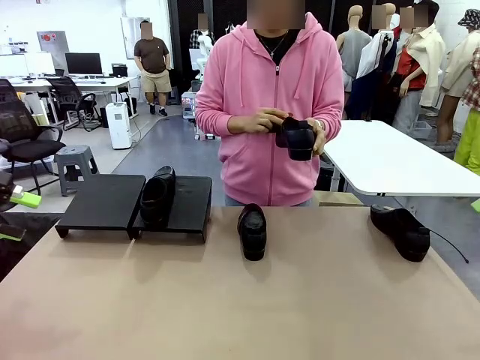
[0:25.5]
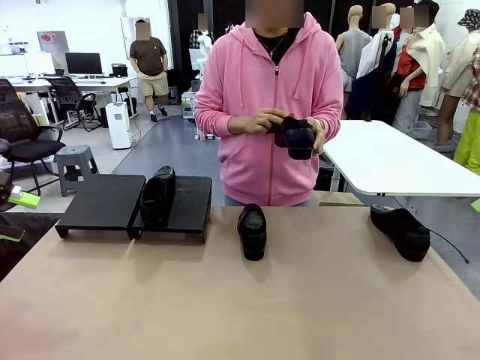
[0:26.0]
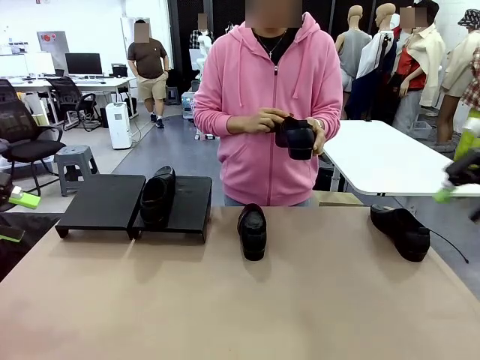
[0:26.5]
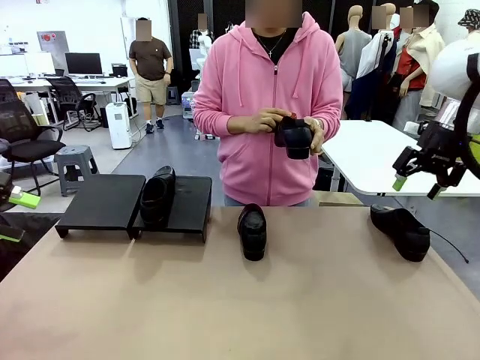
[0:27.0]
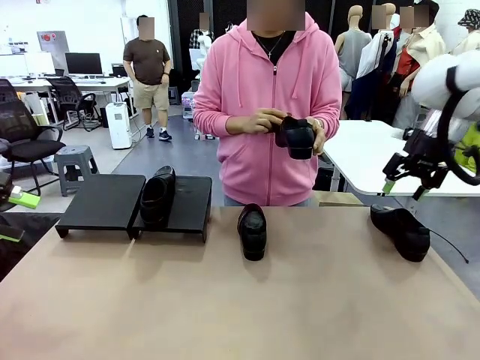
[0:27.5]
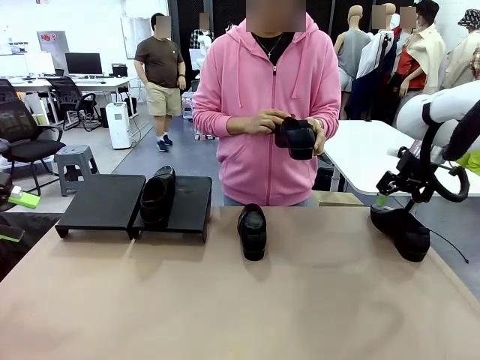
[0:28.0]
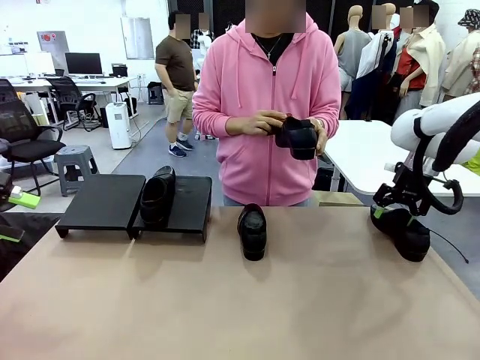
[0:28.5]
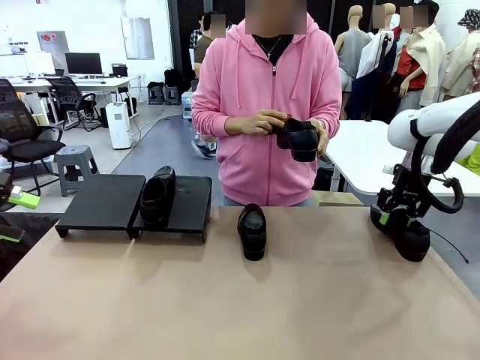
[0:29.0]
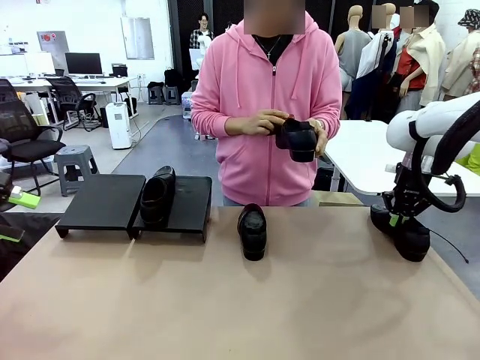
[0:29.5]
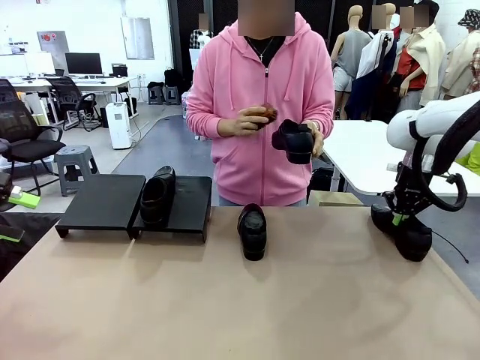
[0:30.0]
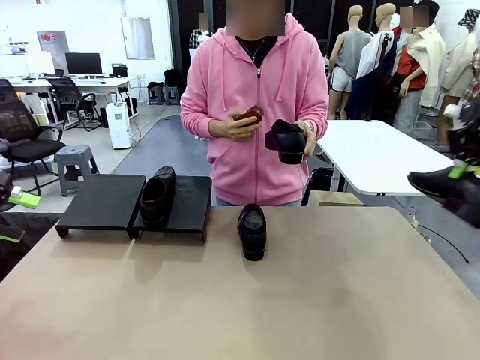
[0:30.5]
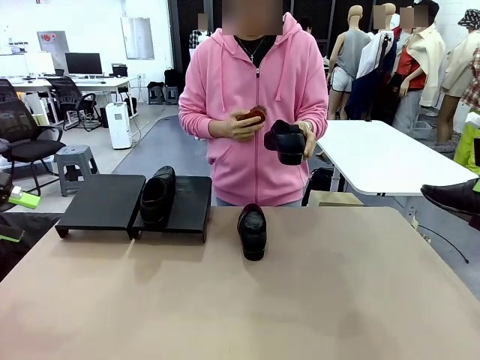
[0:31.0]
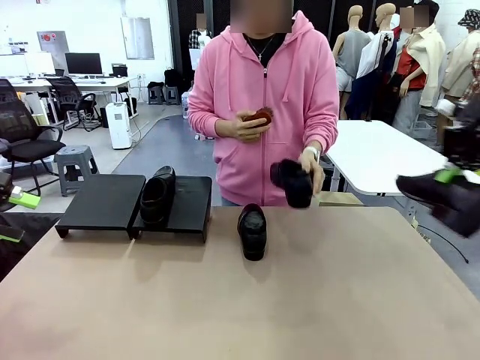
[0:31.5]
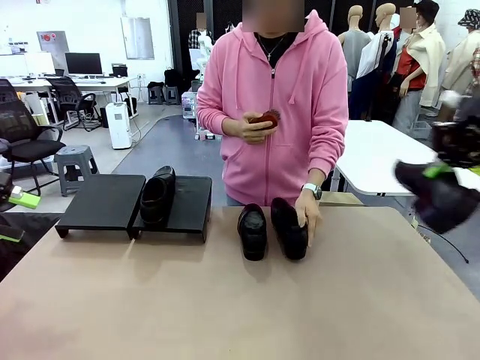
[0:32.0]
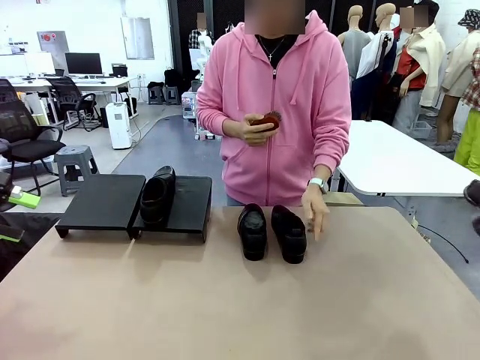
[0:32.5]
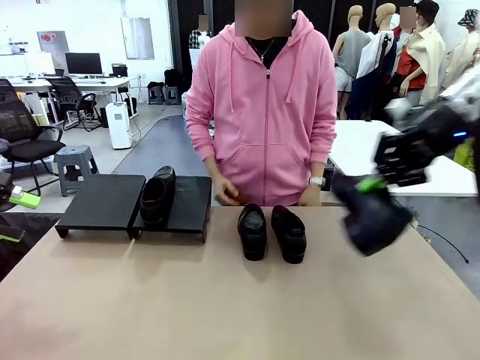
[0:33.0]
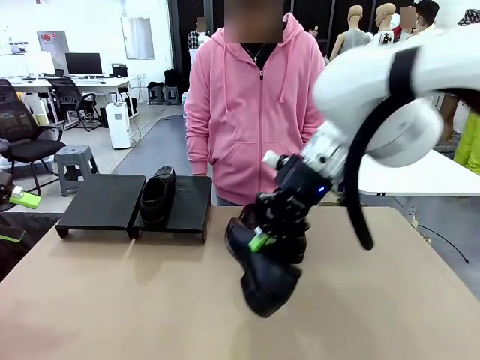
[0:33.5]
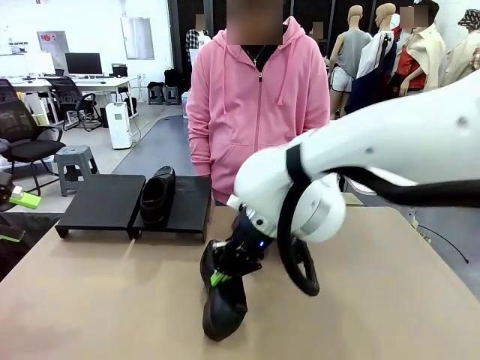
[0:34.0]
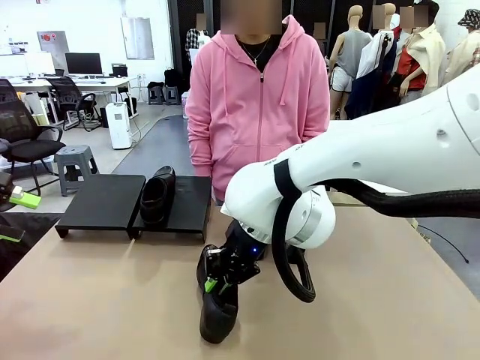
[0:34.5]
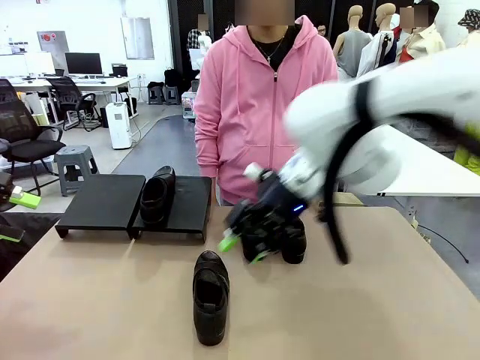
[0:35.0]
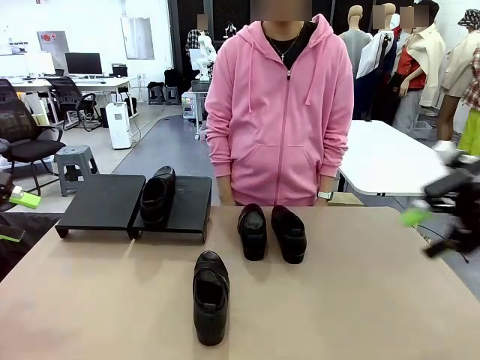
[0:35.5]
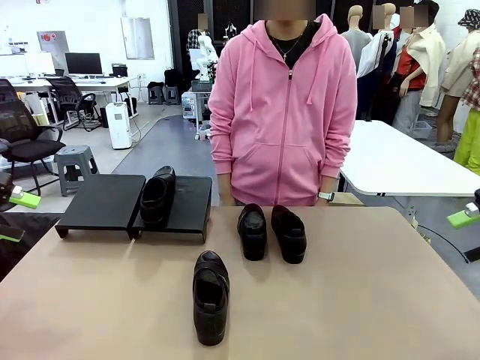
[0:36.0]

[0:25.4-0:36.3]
Task: Organize the shoes by placing them on the stand.
Robot: Pick up one Shoe and place it in the middle of the table.

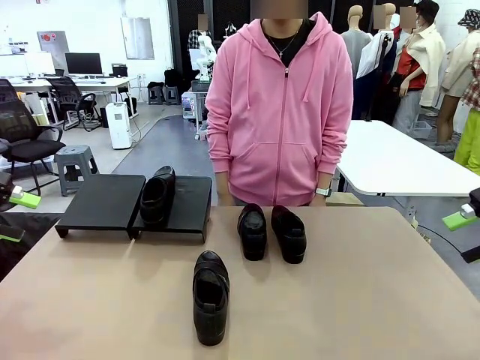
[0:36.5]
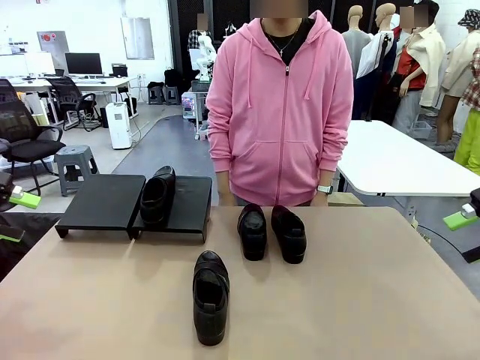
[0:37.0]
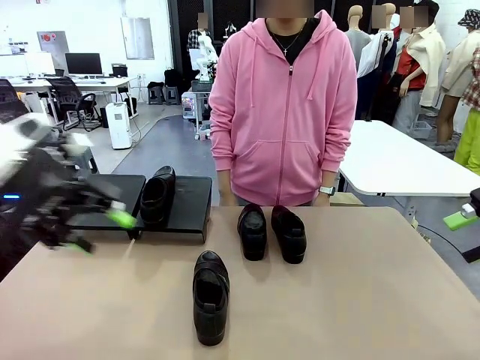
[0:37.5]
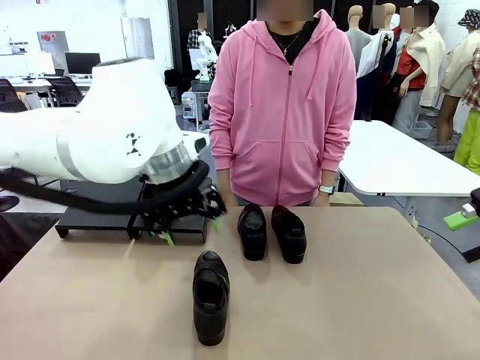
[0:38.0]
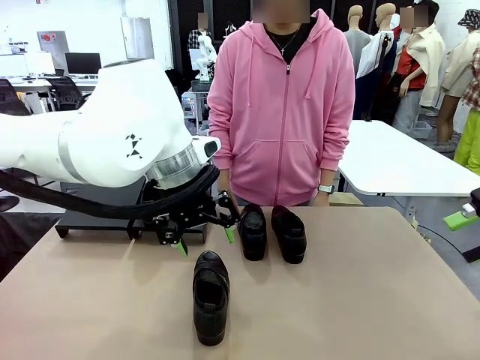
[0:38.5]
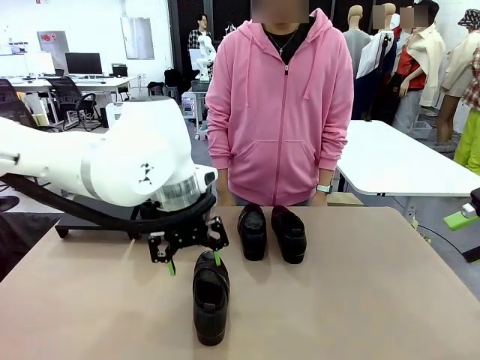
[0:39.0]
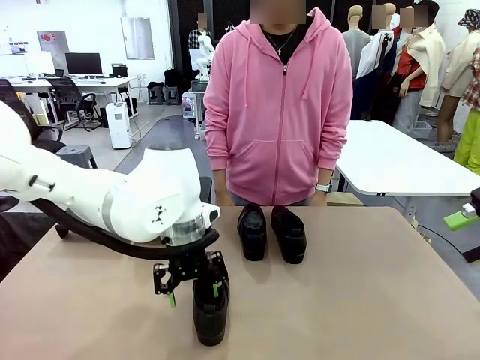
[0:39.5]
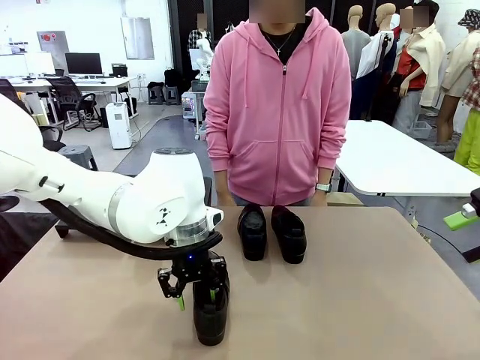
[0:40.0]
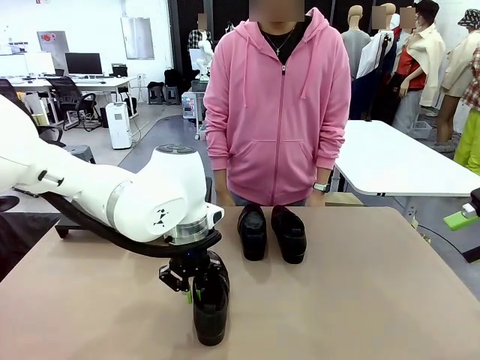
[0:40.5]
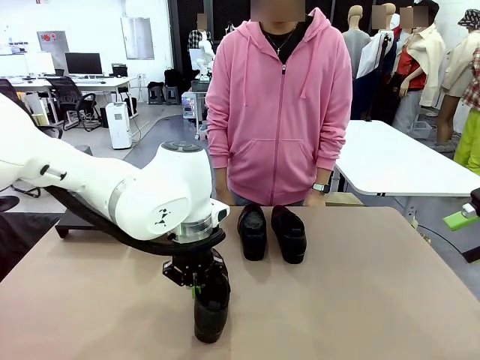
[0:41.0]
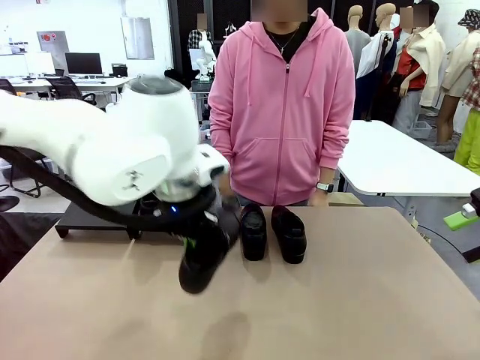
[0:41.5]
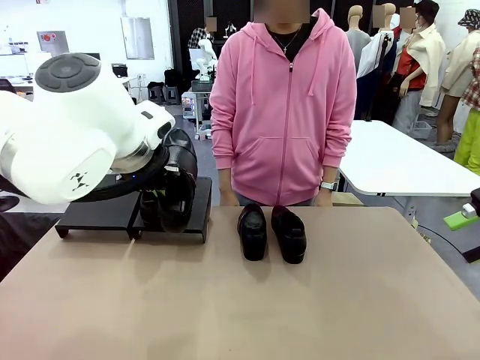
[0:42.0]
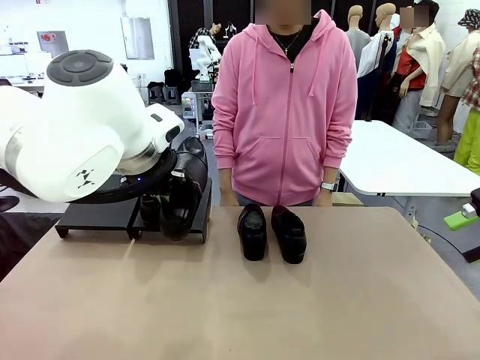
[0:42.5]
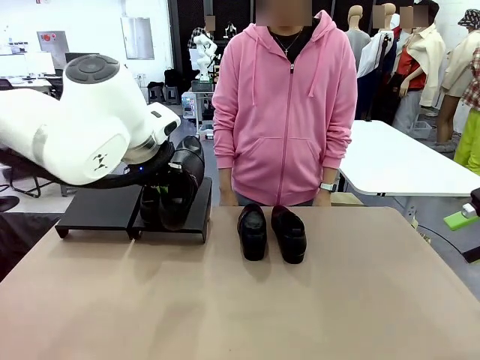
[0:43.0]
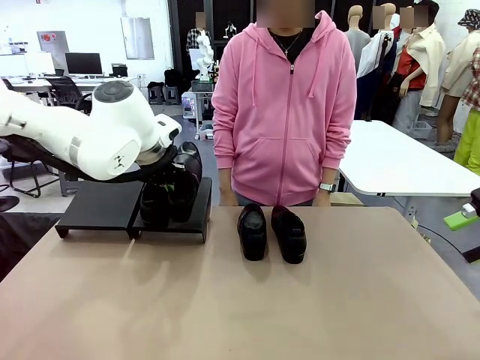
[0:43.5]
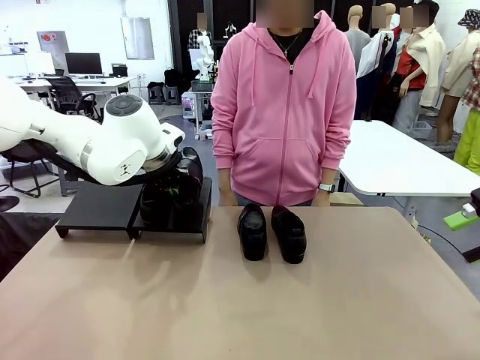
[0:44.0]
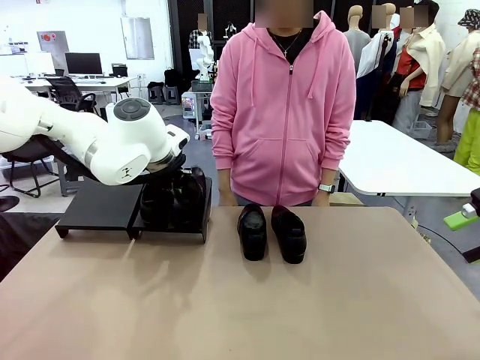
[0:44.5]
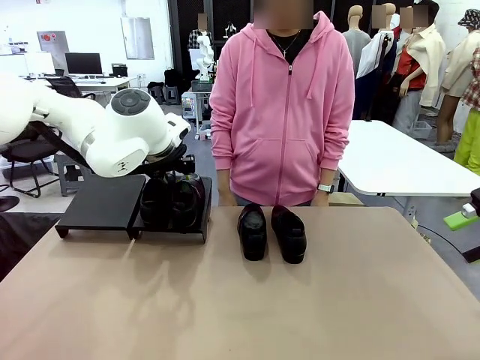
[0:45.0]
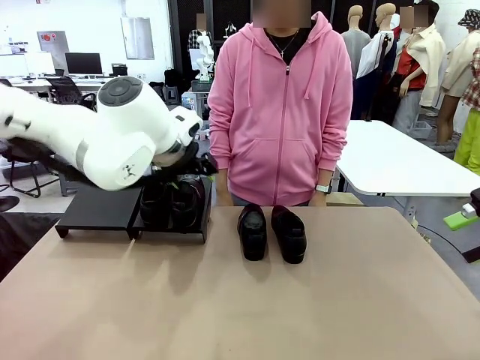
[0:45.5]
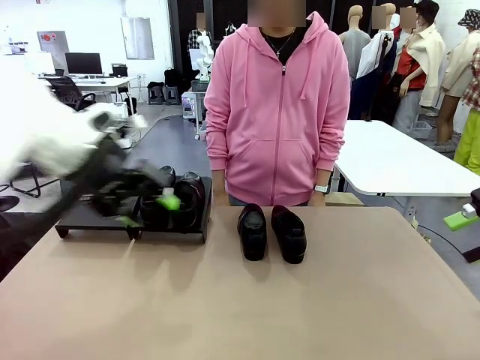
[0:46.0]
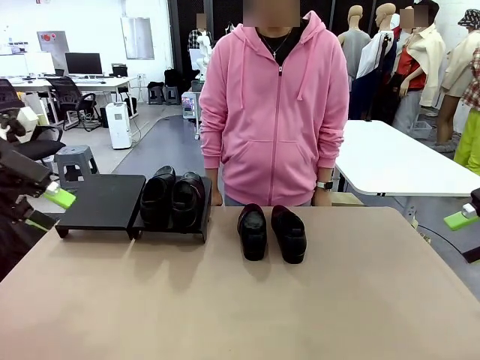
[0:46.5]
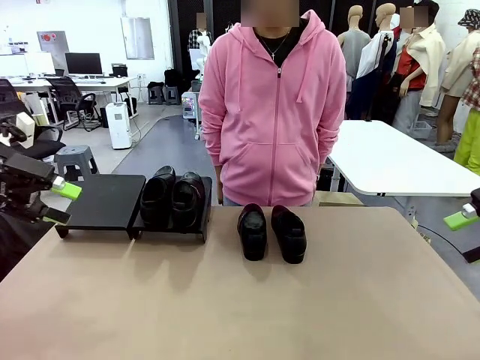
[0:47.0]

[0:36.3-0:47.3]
Robot: Place the Shoe from the middle of the table onto the Shoes Stand.
